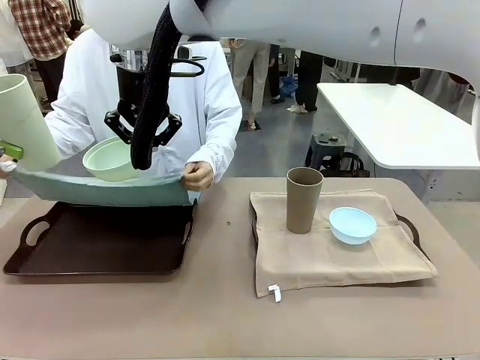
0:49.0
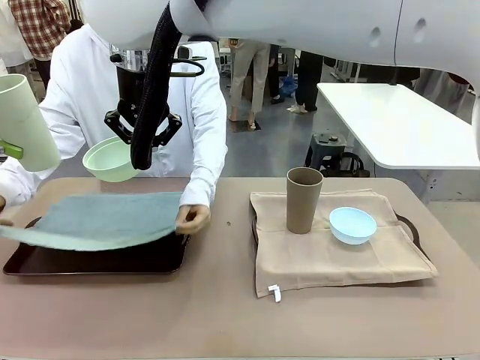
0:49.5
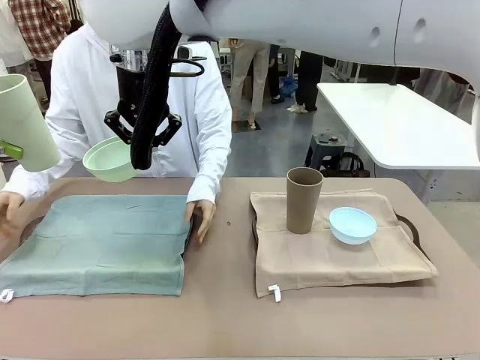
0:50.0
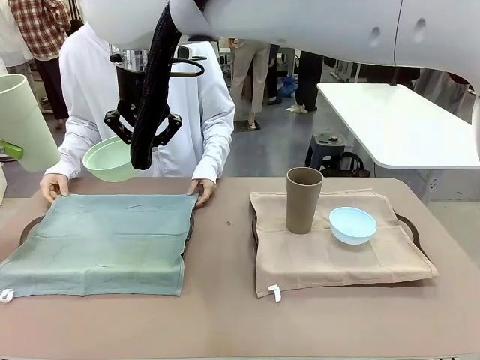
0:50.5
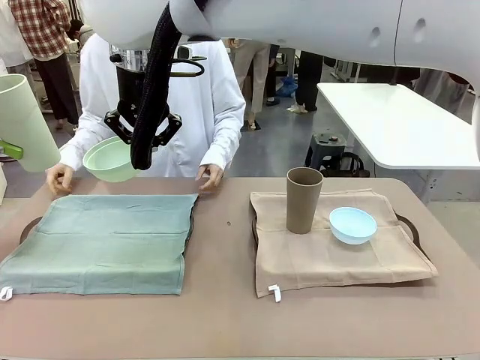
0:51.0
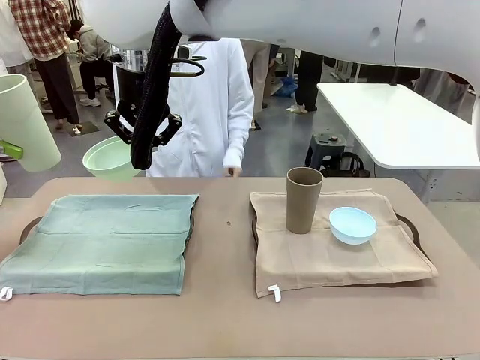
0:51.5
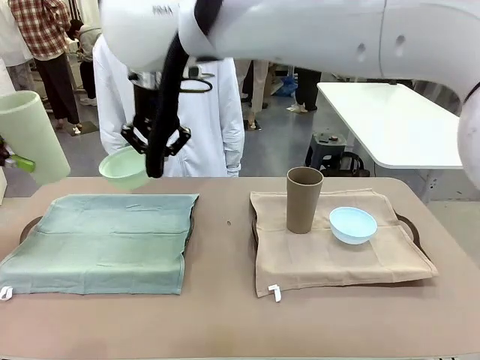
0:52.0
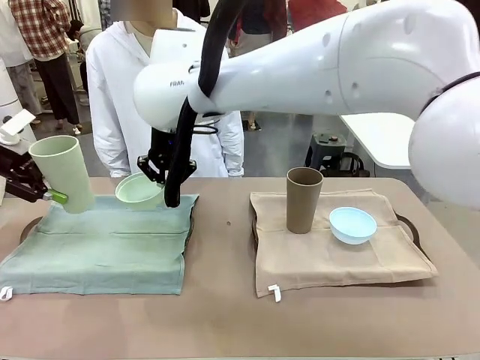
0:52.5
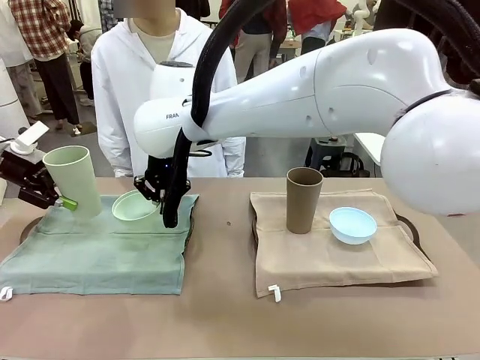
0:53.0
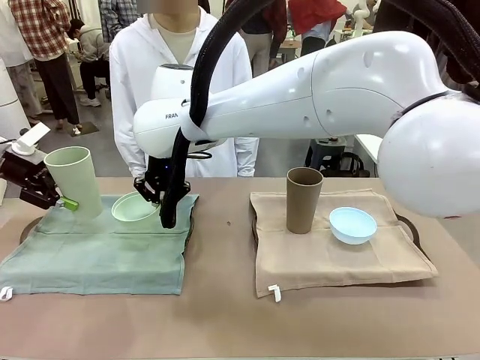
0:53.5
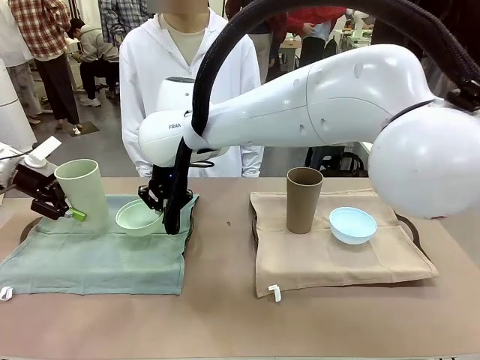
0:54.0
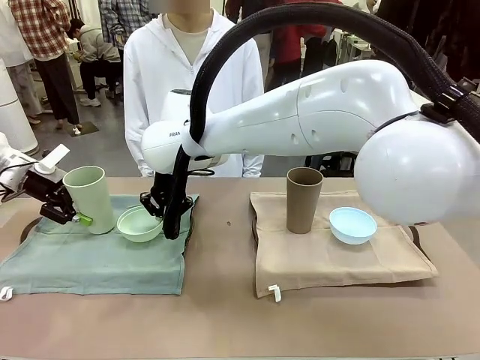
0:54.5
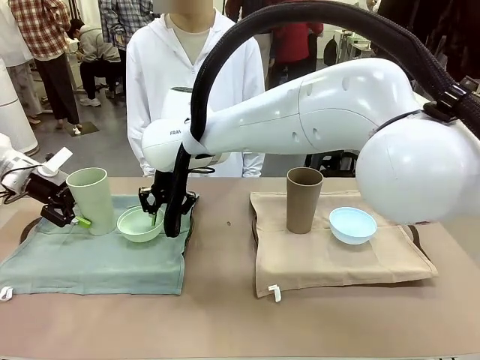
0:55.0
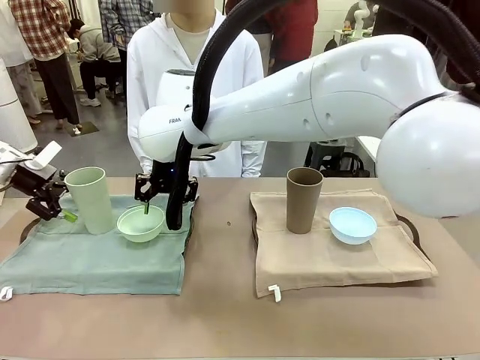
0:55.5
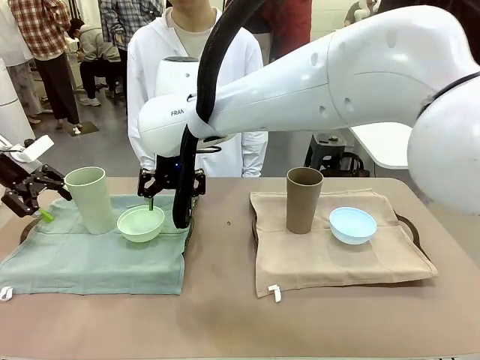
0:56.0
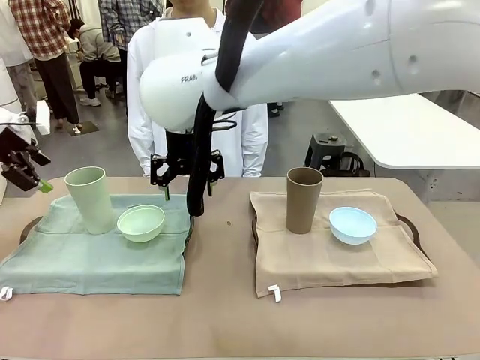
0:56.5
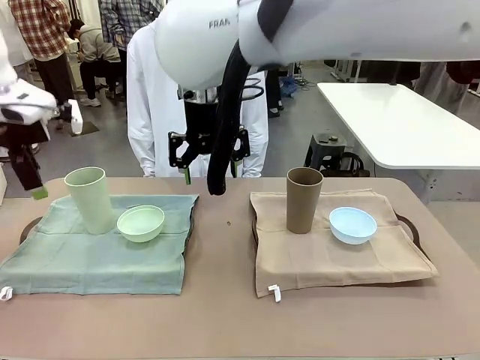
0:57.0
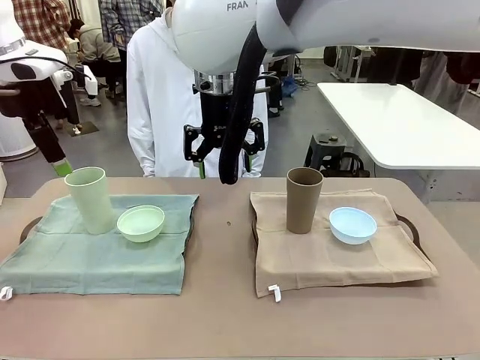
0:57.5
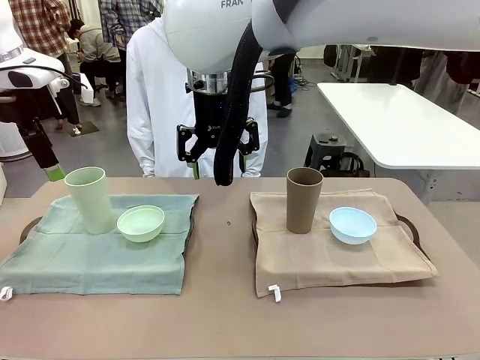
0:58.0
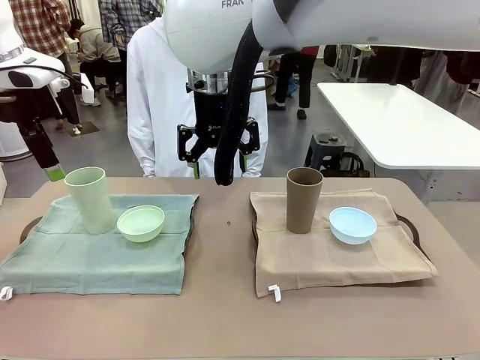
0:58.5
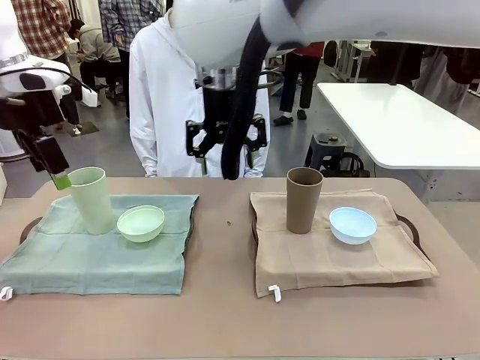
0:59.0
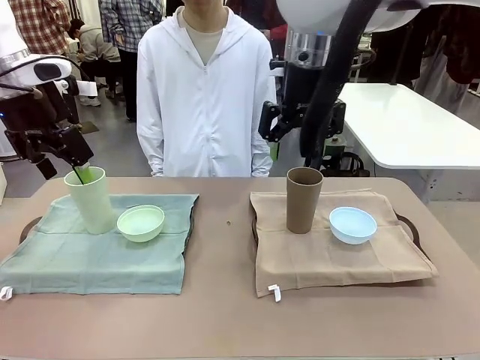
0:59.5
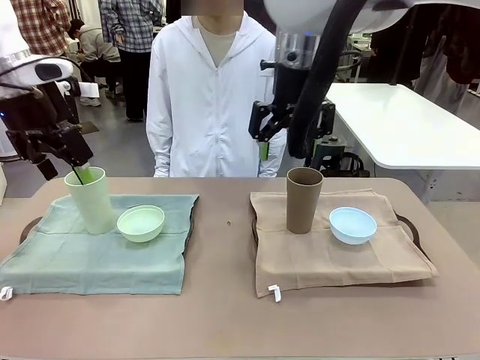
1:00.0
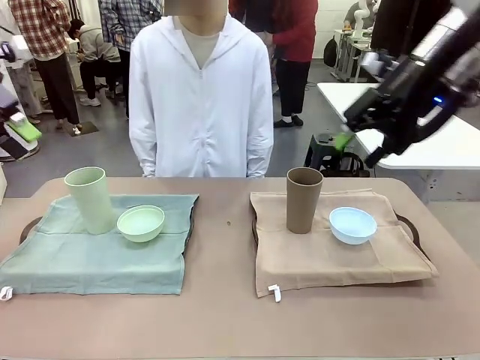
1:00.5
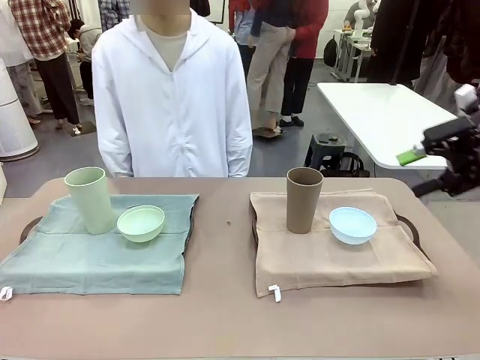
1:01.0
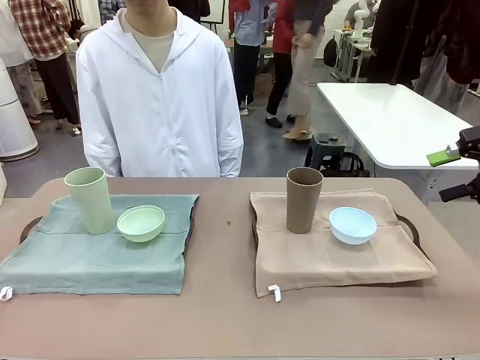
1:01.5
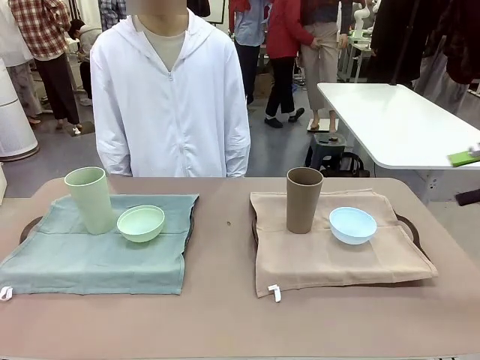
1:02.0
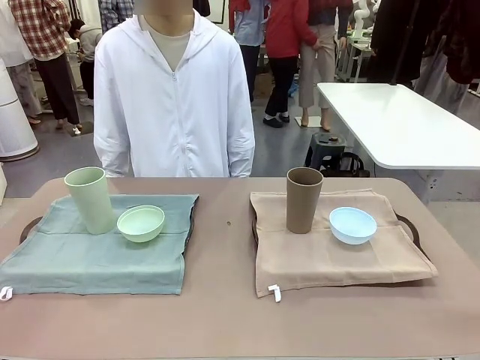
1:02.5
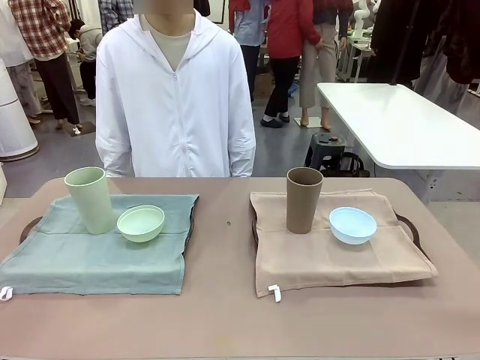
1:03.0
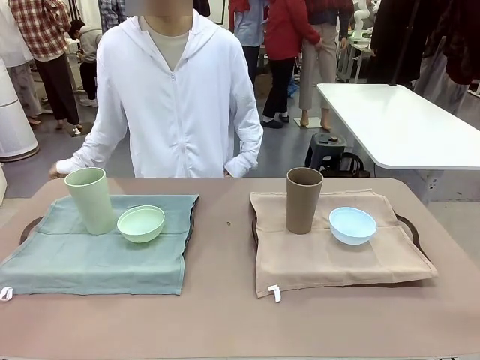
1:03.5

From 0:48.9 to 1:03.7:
Robot: Place the Picnic Bowl and Reusable plastic cup back onto the Handle tray in front of the human's position.

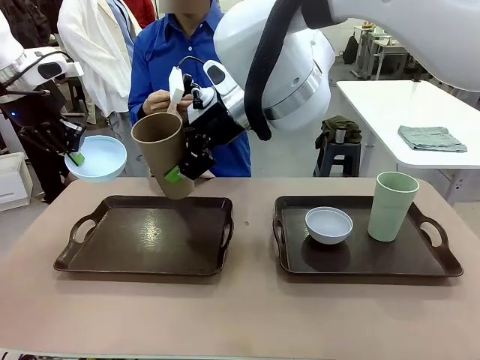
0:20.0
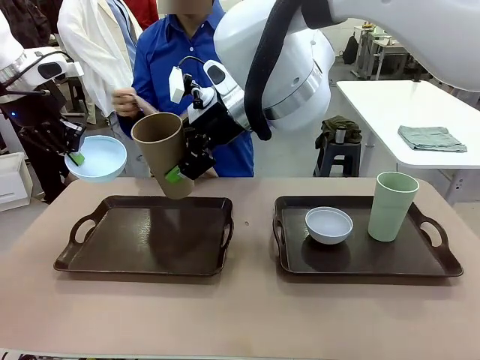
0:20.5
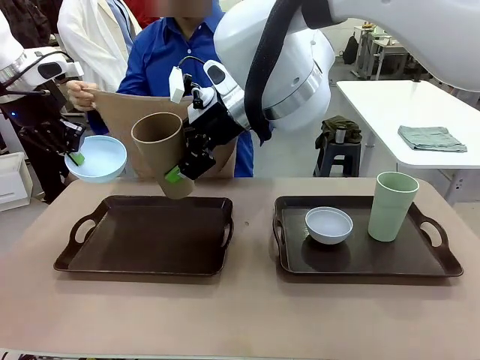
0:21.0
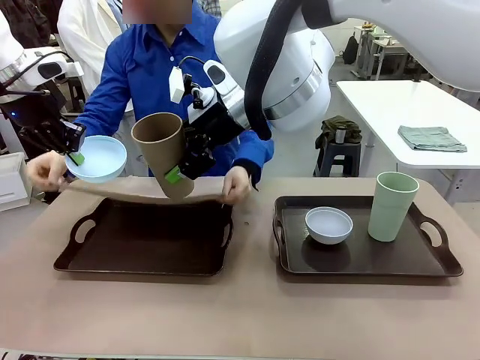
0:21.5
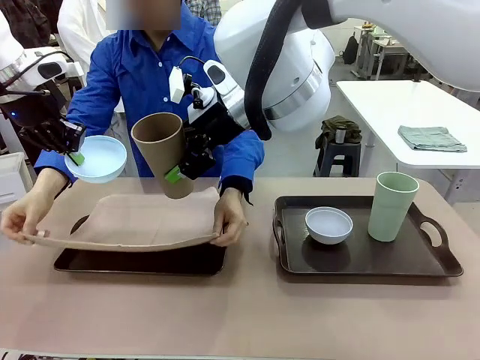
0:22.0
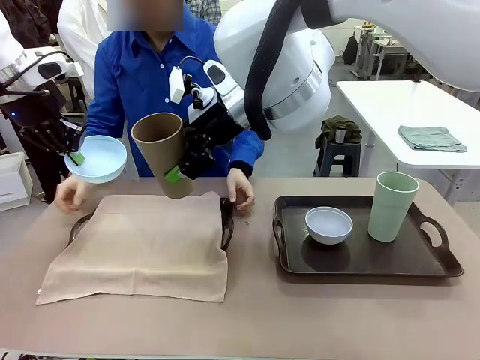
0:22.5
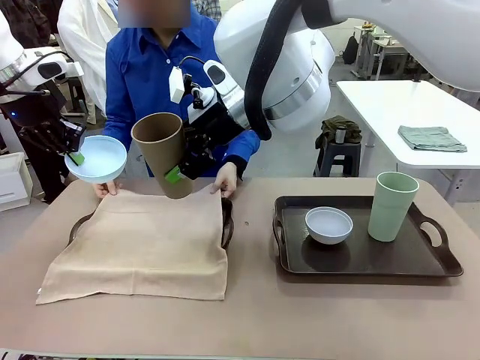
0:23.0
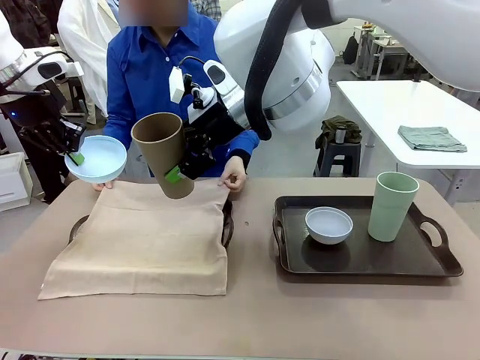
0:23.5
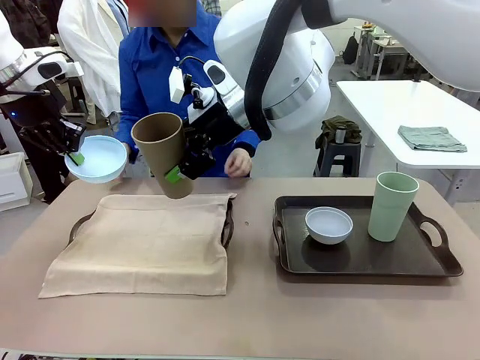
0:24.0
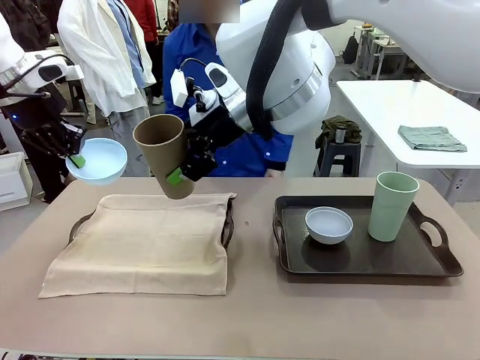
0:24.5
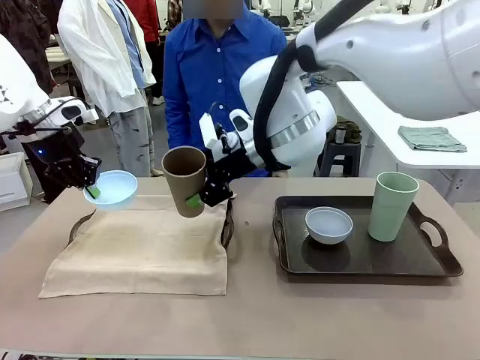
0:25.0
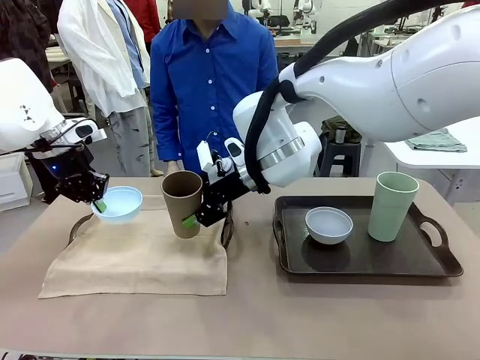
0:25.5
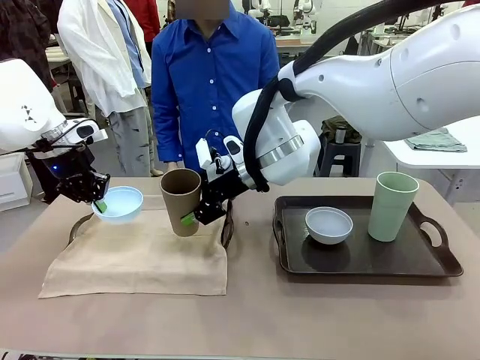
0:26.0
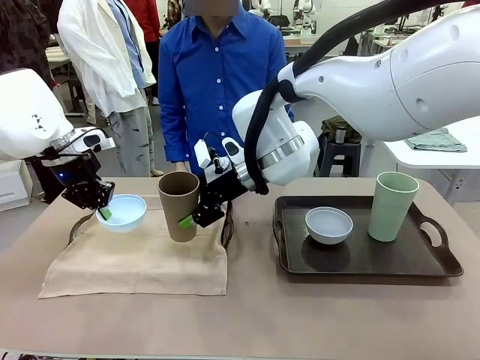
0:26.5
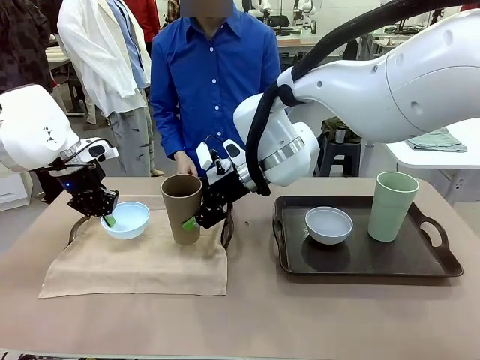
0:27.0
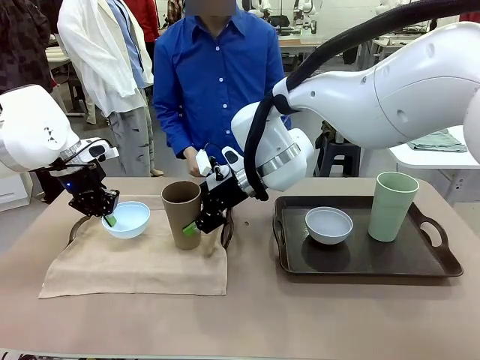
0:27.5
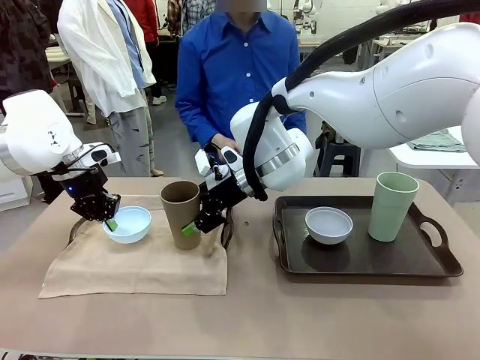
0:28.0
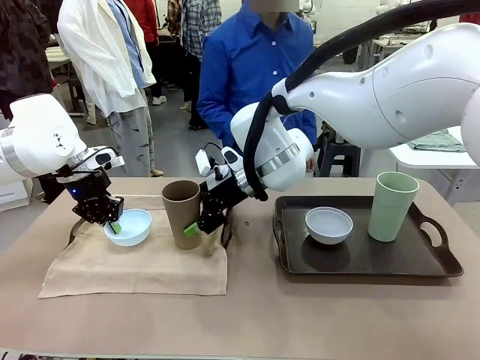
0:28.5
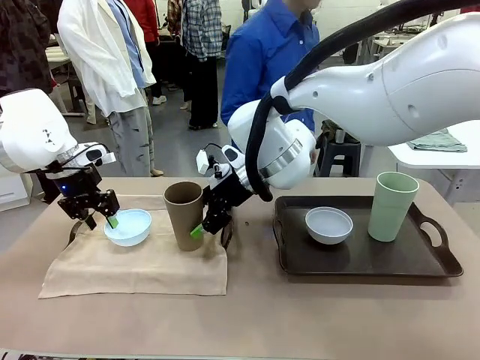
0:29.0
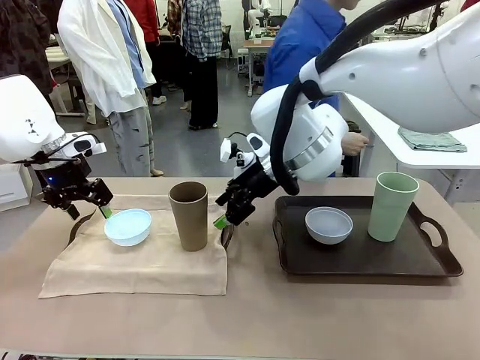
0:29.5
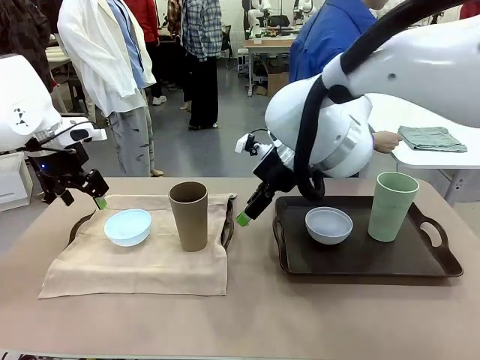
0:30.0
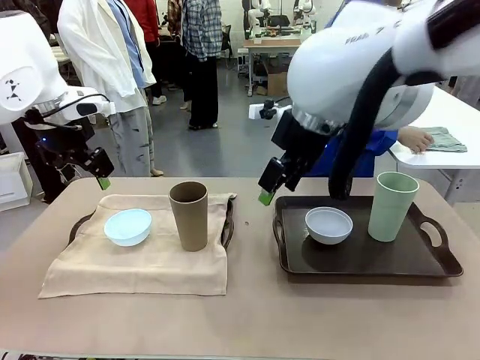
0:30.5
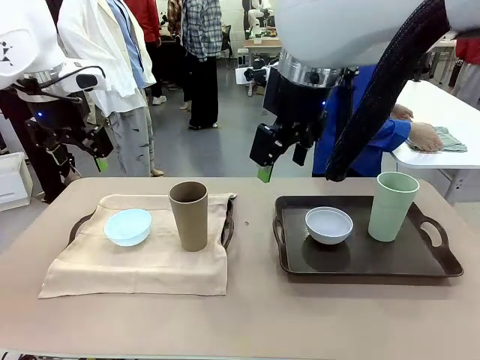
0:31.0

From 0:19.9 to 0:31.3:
Robot: Place the Picnic Bowl and Reusable plastic cup back onto the Handle tray in front of the human's position.
Person: The human returns to the human table to pick up another napkin and walks to the robot table to stand in front of the tray without a napkin.
